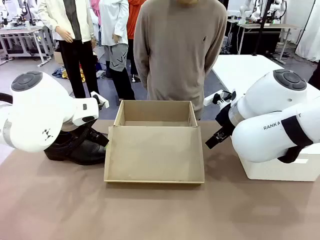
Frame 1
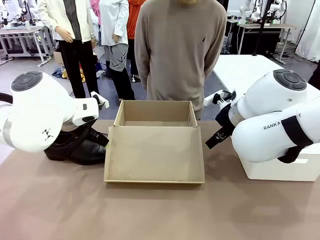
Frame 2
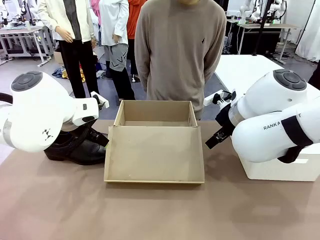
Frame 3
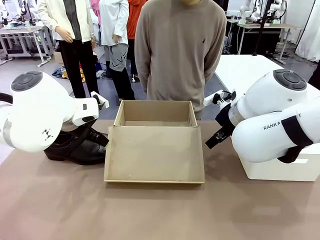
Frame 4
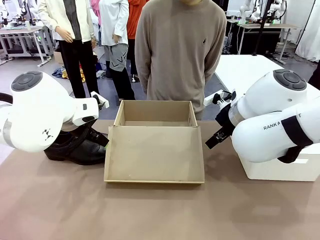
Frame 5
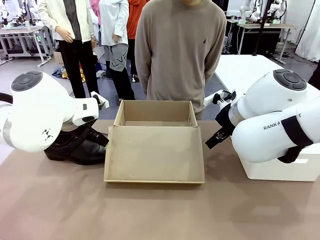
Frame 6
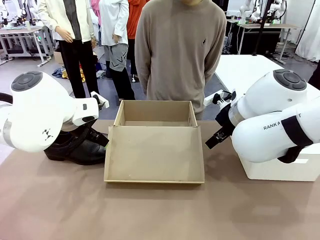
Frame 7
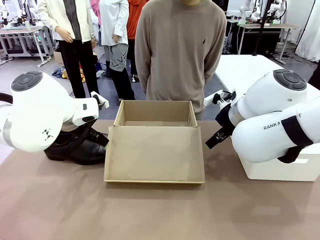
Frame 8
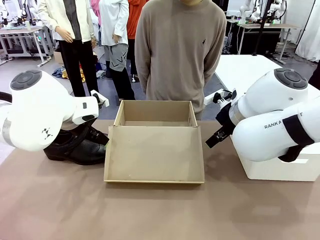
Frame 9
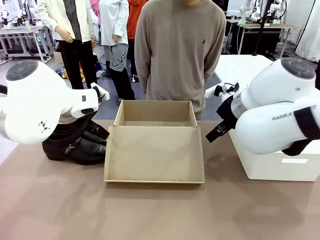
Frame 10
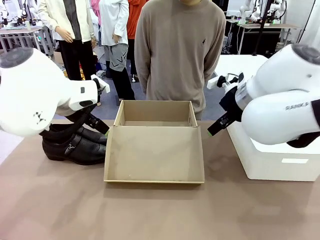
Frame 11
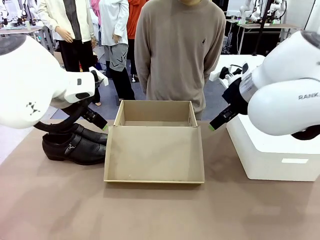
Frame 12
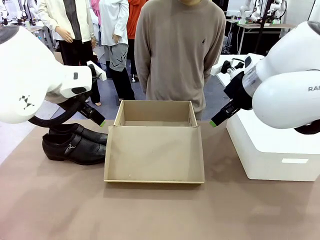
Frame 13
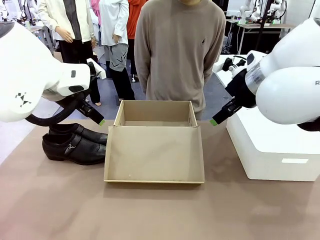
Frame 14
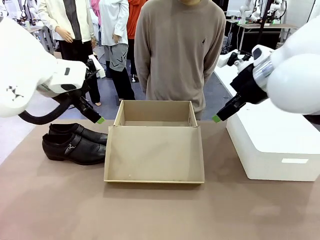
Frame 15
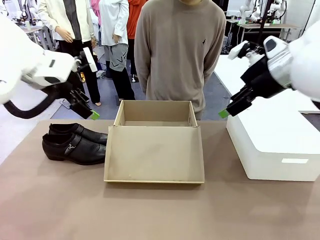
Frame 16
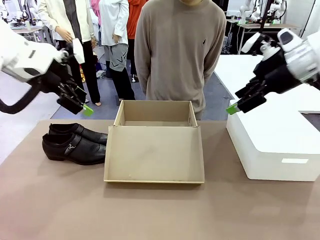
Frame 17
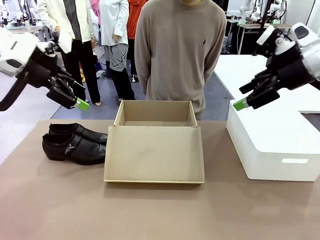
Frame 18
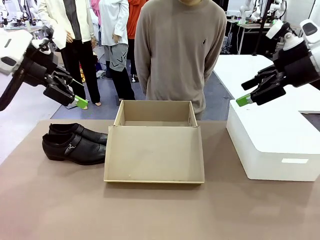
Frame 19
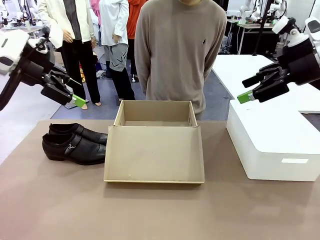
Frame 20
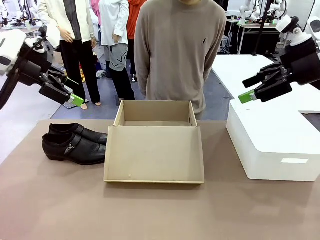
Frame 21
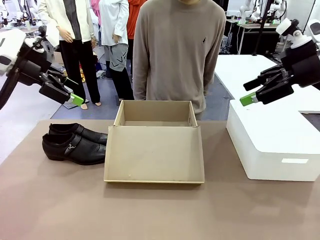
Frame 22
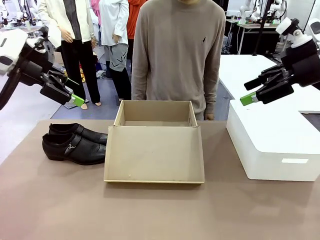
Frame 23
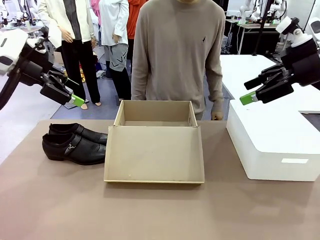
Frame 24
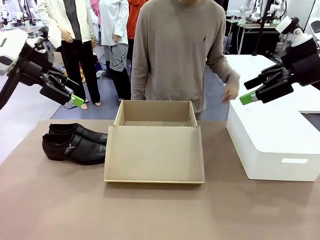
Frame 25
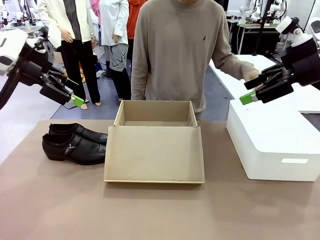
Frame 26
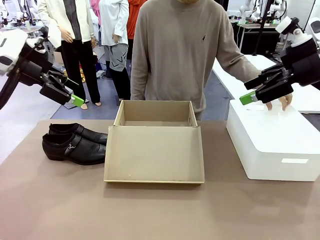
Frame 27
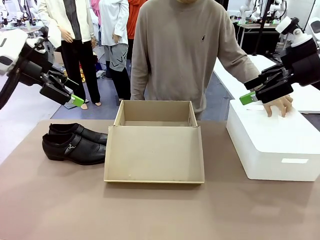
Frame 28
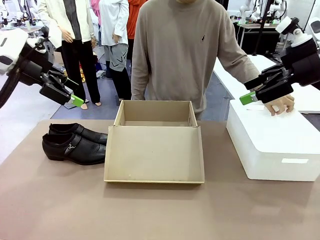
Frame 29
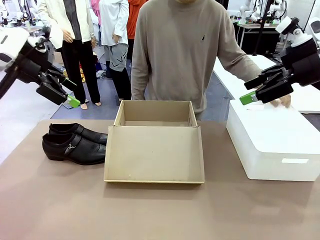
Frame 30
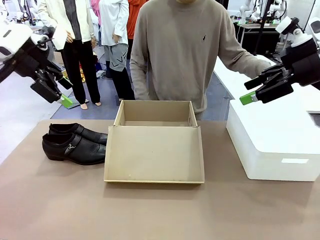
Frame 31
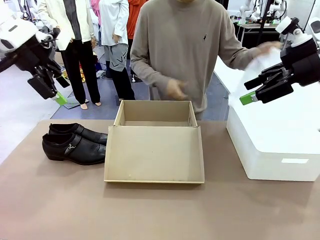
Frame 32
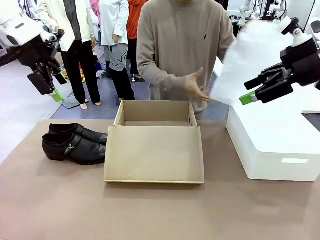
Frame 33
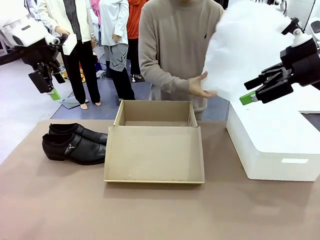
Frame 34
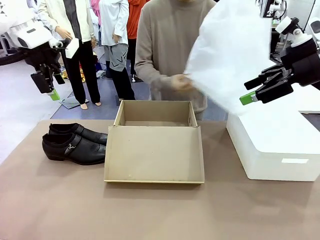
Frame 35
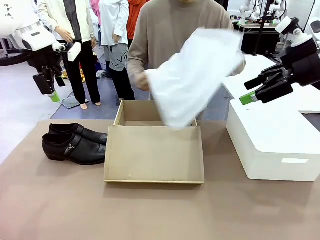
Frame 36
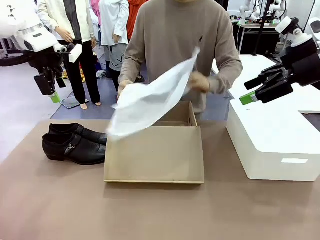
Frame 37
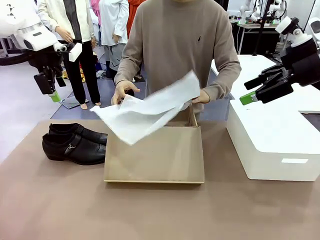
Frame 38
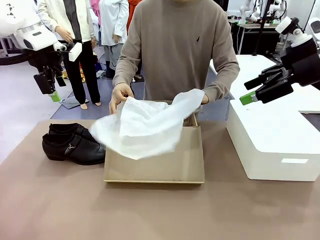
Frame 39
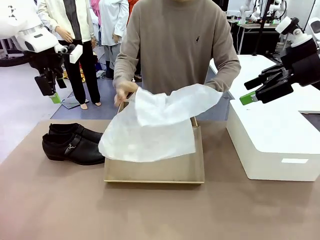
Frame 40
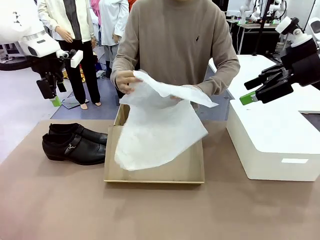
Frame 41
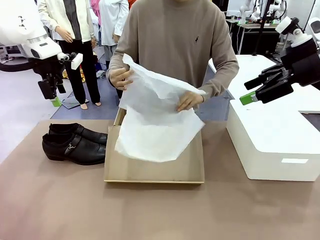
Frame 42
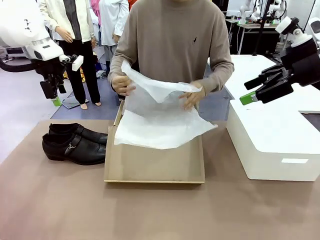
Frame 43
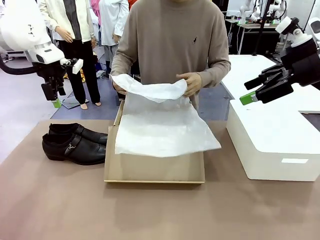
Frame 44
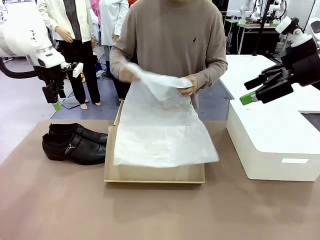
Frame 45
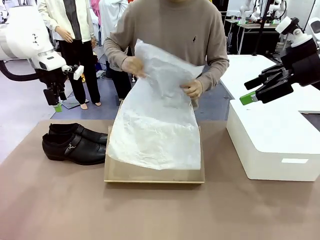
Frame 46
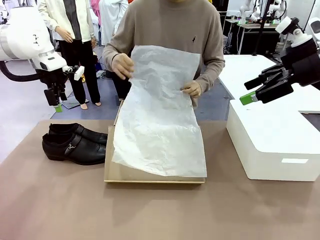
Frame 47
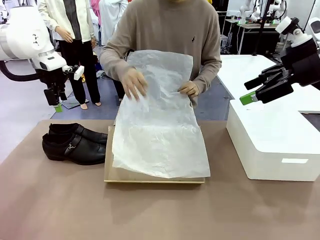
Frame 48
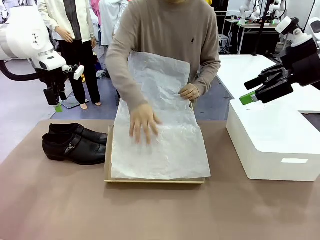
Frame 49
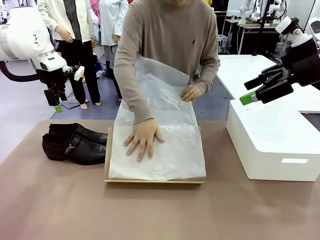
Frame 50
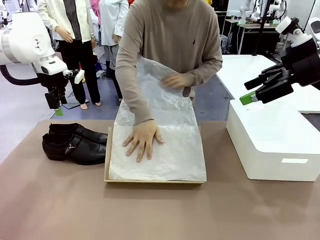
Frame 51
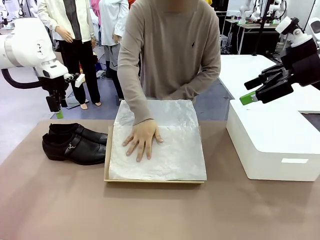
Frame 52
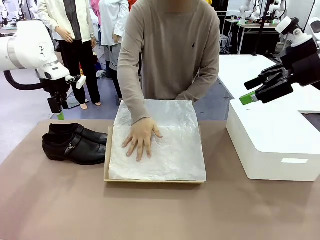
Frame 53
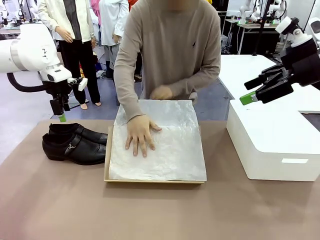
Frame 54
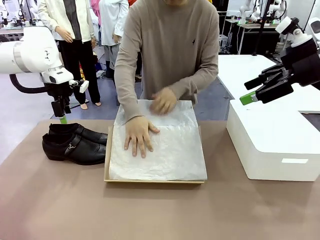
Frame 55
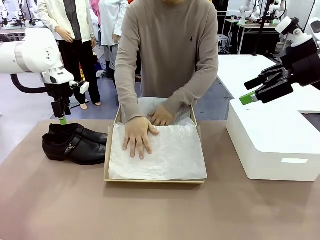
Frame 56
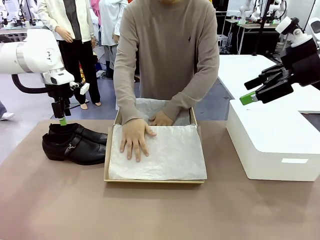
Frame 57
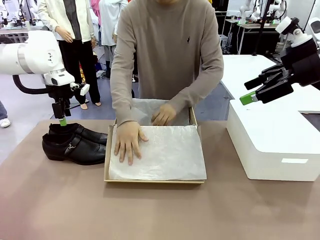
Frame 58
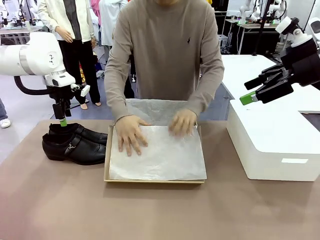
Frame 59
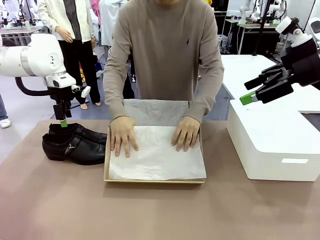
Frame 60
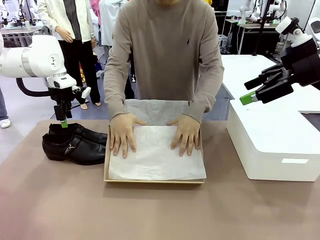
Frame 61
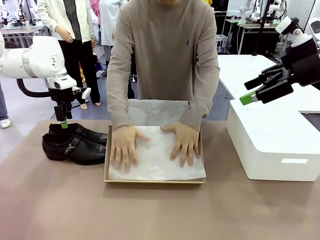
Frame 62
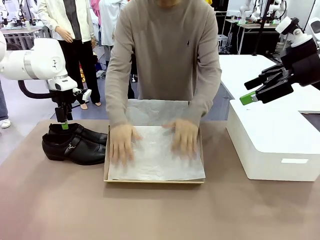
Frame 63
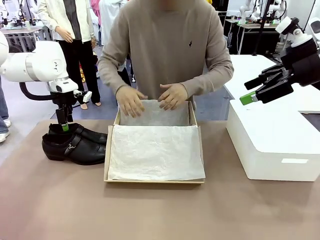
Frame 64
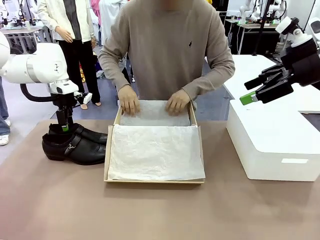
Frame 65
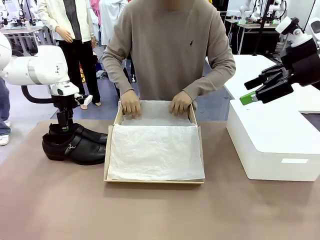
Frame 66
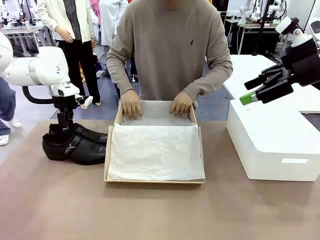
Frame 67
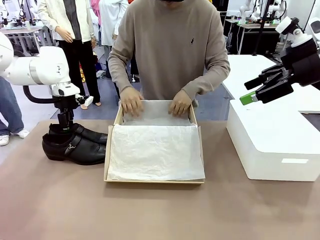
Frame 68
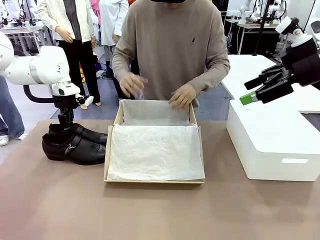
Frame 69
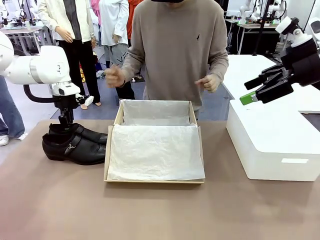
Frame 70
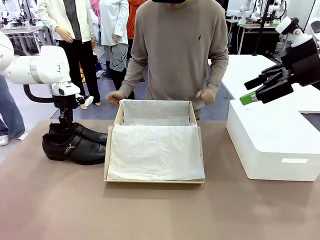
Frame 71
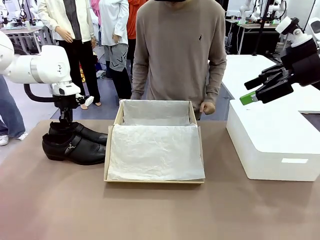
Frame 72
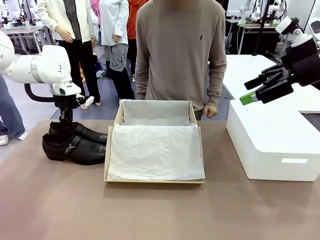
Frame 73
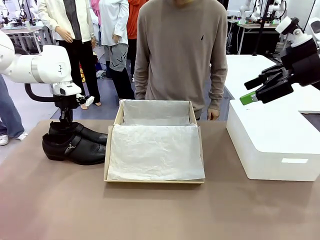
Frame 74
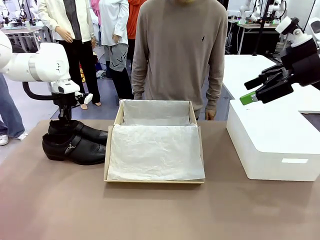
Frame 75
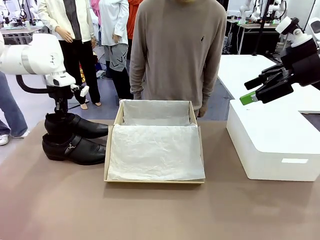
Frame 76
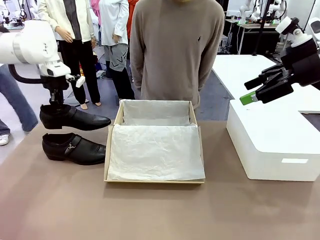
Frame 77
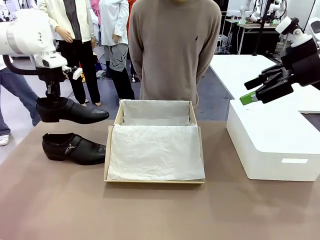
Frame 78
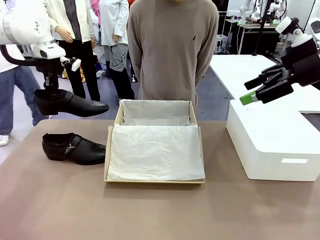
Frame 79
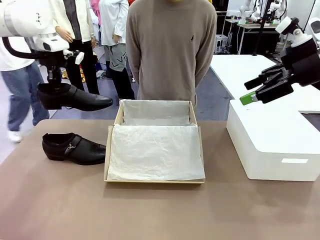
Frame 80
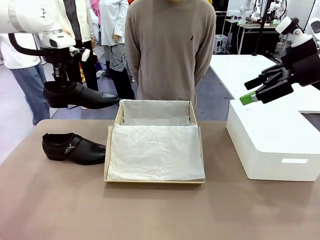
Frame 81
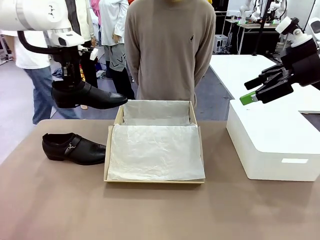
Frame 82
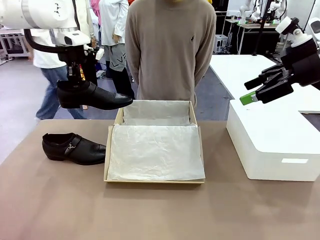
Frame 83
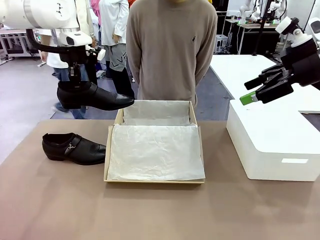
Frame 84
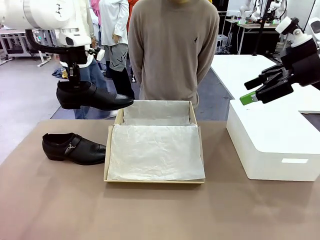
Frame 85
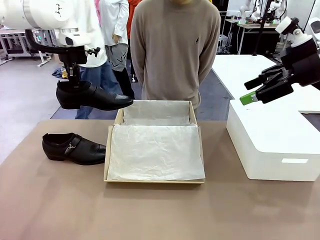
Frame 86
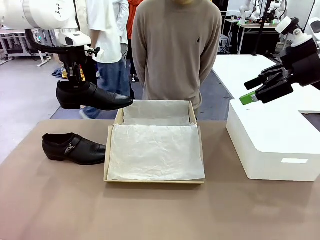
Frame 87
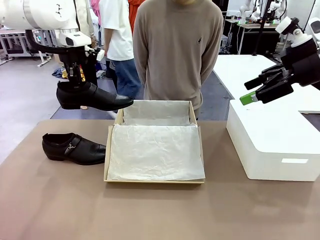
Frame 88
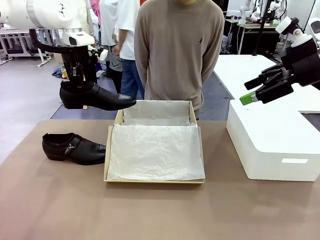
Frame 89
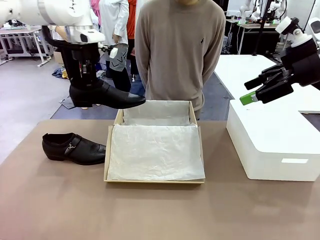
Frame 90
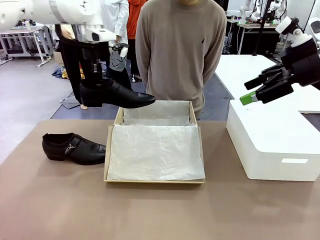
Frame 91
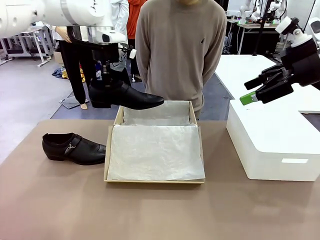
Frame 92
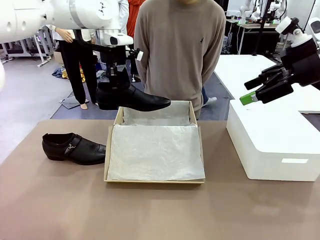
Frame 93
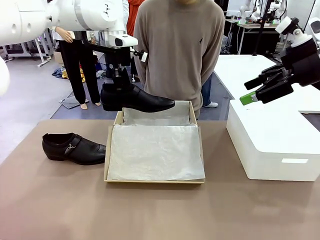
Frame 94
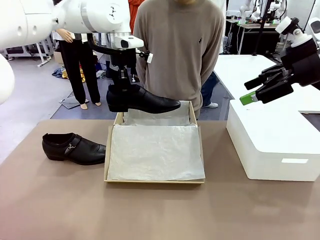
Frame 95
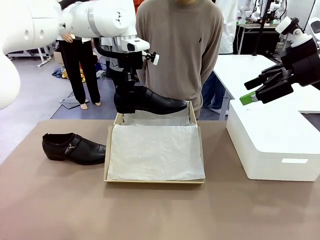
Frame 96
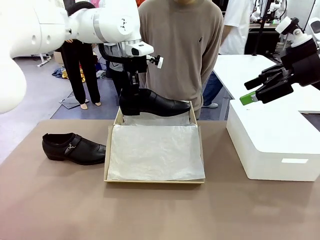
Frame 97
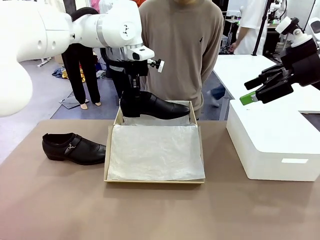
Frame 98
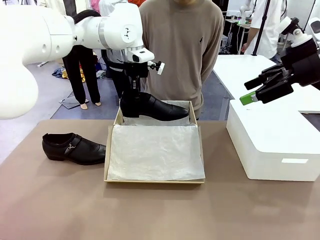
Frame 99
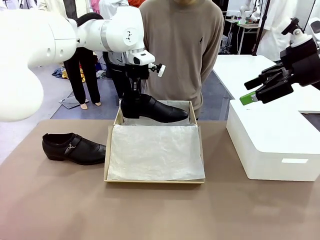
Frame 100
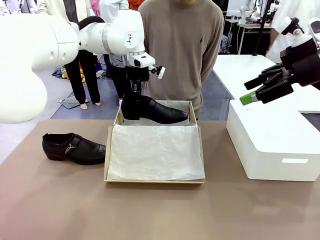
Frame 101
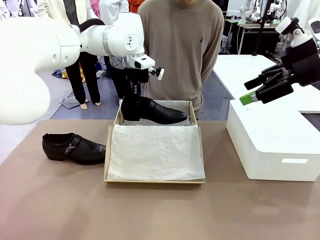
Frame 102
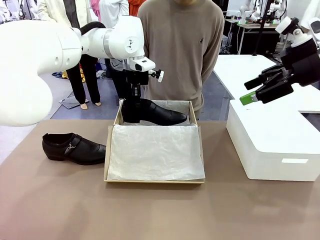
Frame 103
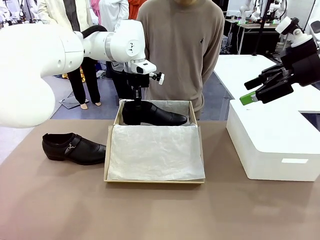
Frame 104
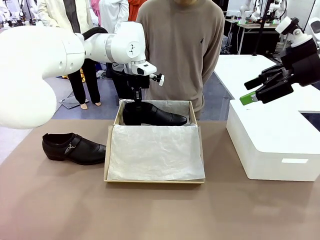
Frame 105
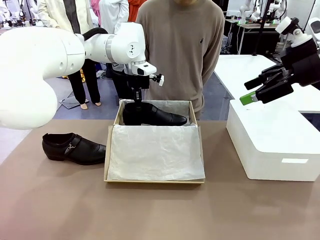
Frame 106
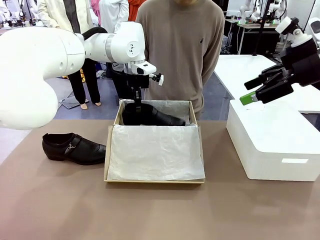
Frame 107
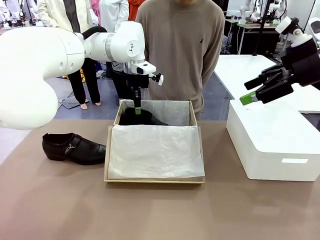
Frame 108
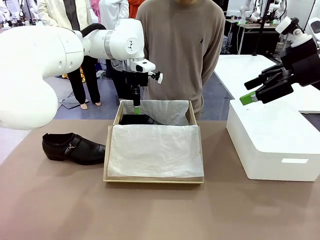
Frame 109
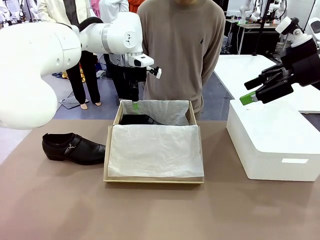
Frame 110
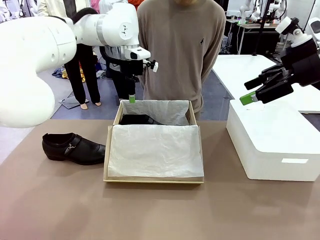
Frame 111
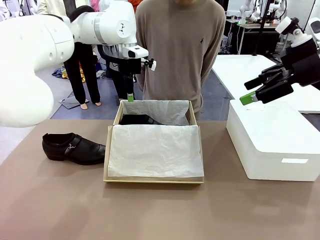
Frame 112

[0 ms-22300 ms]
Task: Pack the shoes into the box.
Robot: Place one shoe of the Shoes into the Shoes Box.
Person: Spread Shoes Wrapping Paper and place inside the Shoes Box.
